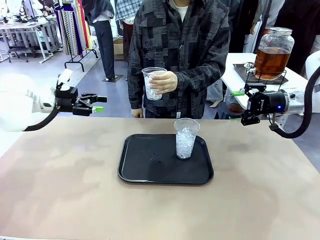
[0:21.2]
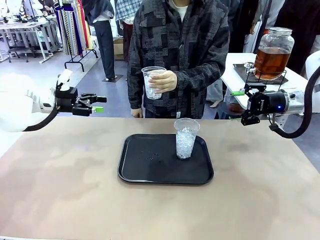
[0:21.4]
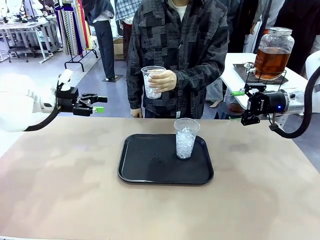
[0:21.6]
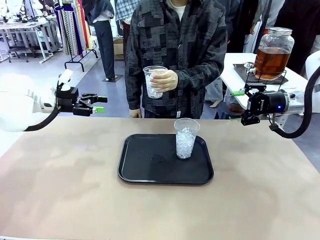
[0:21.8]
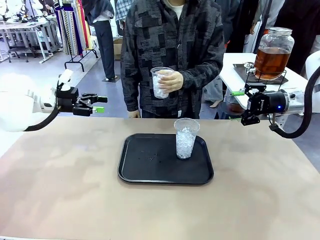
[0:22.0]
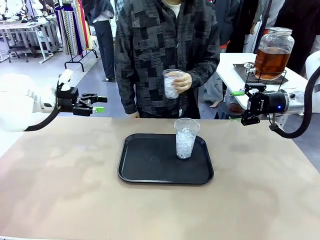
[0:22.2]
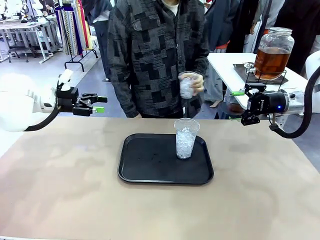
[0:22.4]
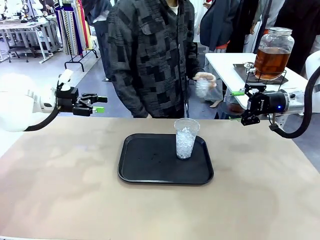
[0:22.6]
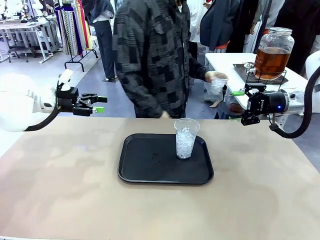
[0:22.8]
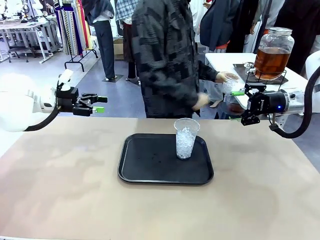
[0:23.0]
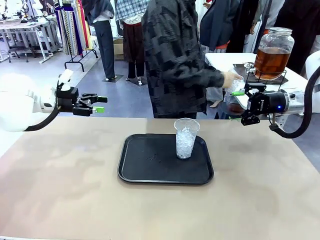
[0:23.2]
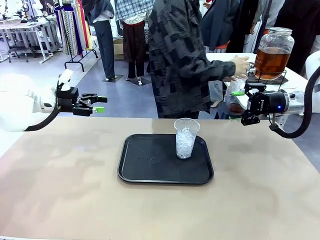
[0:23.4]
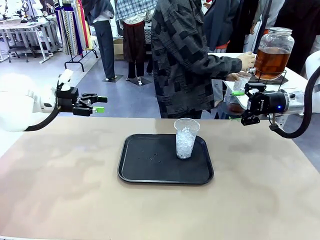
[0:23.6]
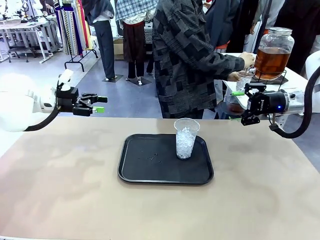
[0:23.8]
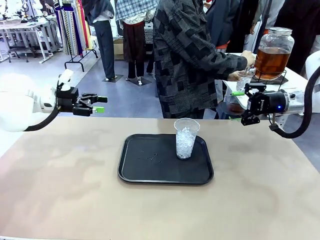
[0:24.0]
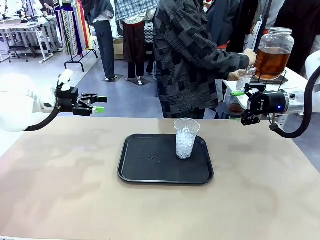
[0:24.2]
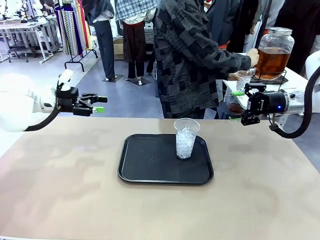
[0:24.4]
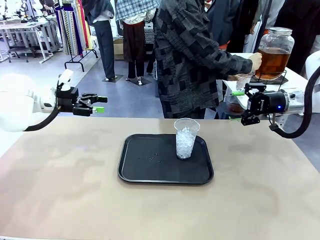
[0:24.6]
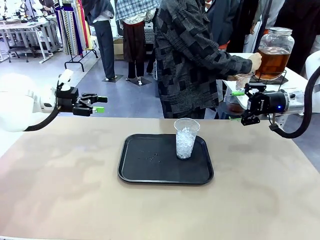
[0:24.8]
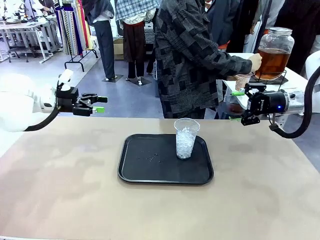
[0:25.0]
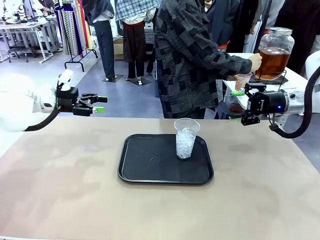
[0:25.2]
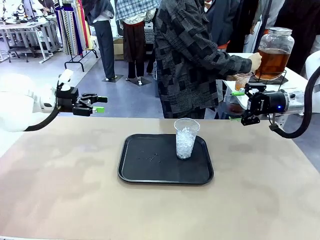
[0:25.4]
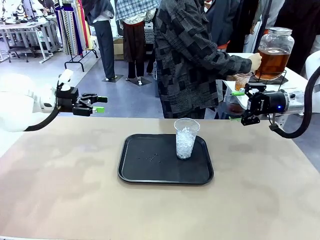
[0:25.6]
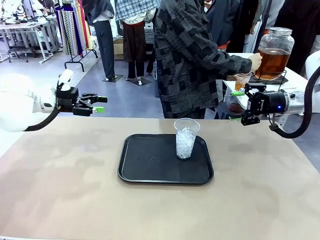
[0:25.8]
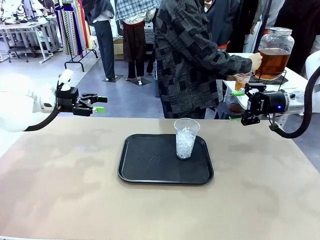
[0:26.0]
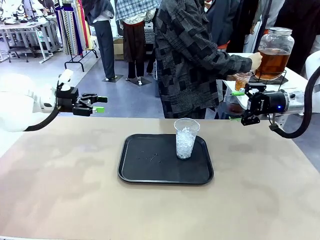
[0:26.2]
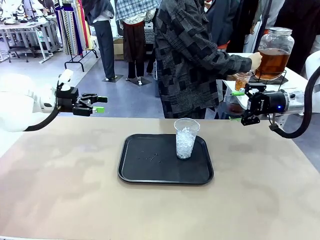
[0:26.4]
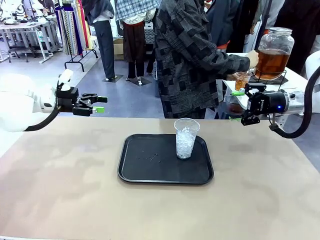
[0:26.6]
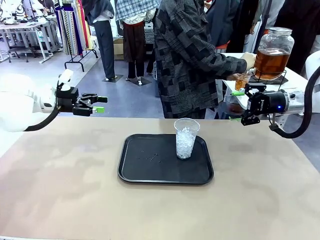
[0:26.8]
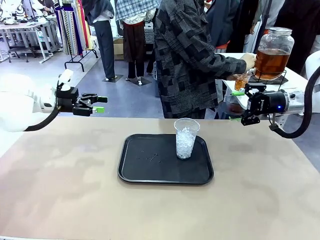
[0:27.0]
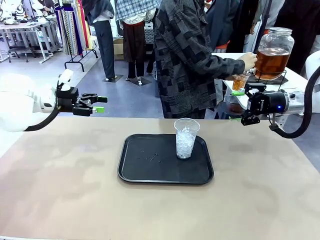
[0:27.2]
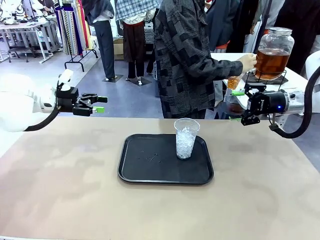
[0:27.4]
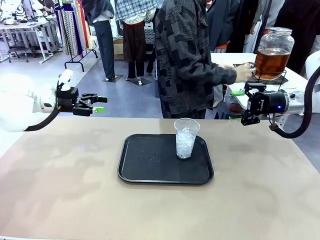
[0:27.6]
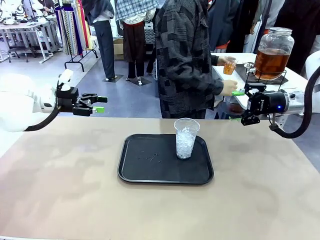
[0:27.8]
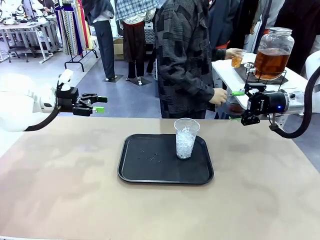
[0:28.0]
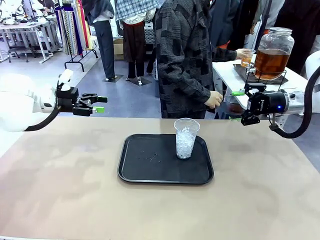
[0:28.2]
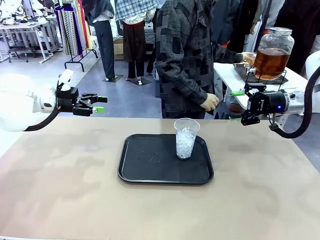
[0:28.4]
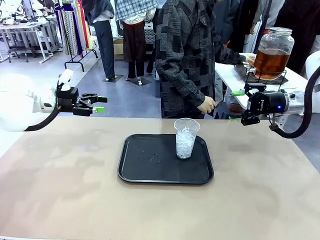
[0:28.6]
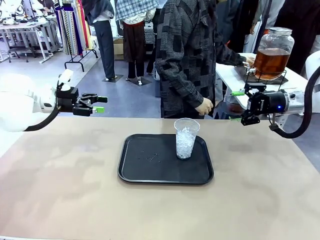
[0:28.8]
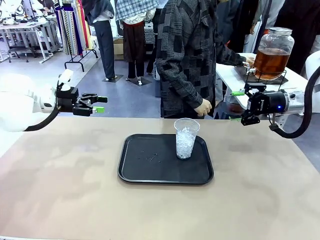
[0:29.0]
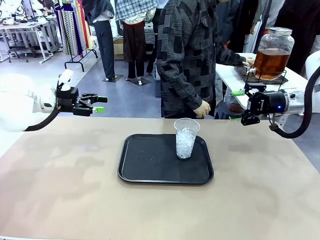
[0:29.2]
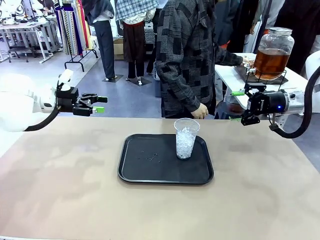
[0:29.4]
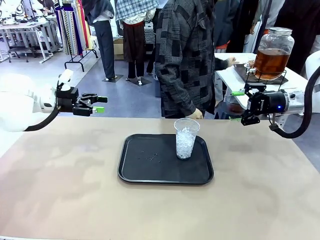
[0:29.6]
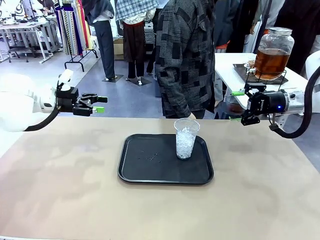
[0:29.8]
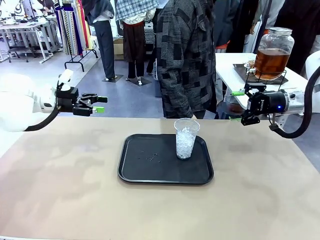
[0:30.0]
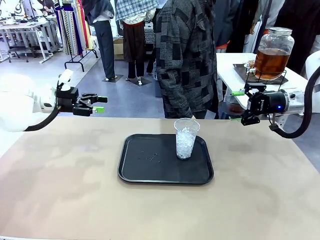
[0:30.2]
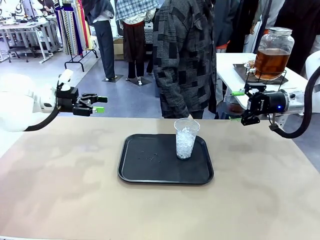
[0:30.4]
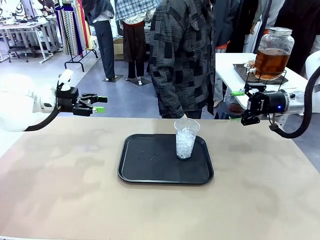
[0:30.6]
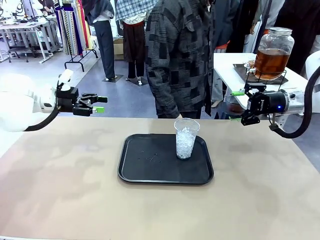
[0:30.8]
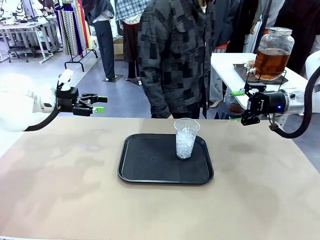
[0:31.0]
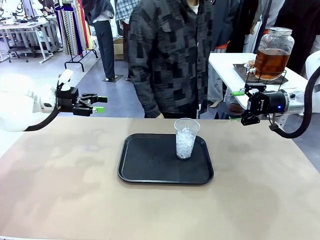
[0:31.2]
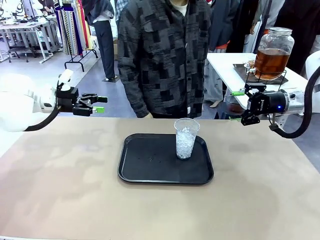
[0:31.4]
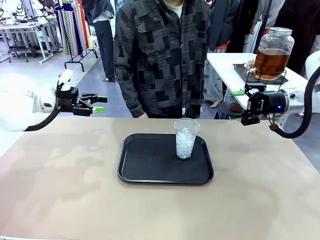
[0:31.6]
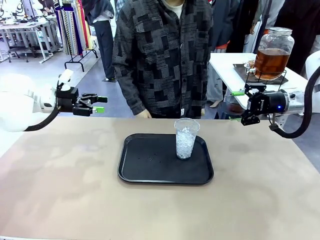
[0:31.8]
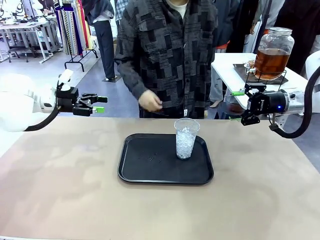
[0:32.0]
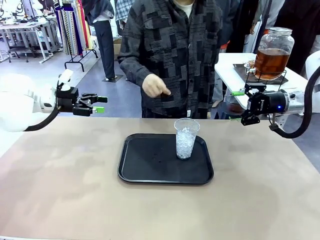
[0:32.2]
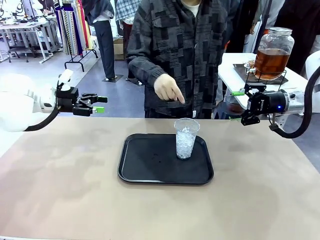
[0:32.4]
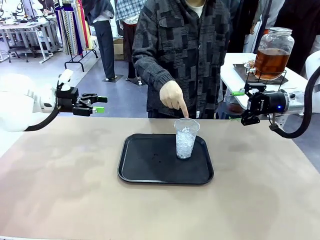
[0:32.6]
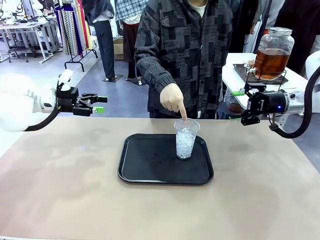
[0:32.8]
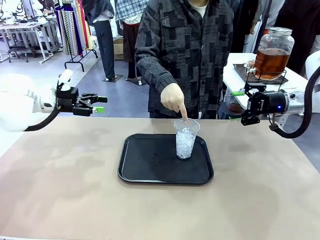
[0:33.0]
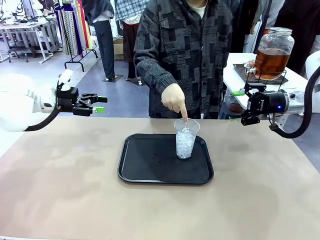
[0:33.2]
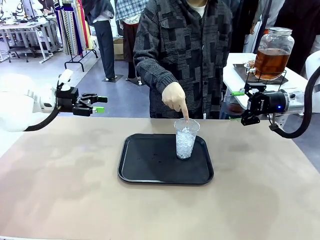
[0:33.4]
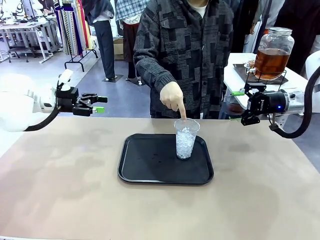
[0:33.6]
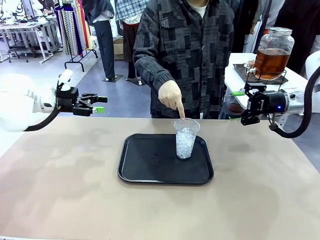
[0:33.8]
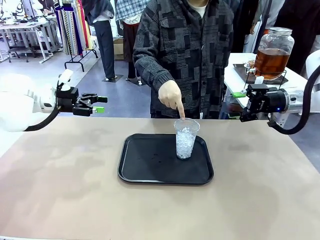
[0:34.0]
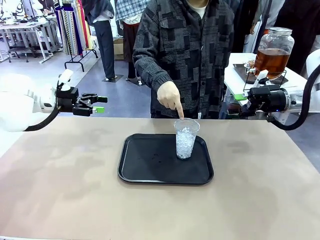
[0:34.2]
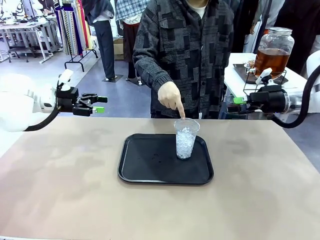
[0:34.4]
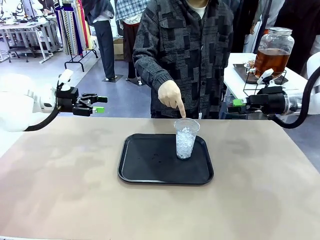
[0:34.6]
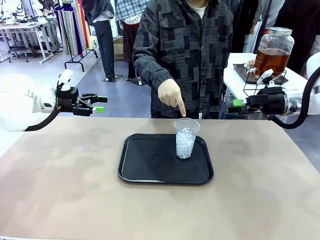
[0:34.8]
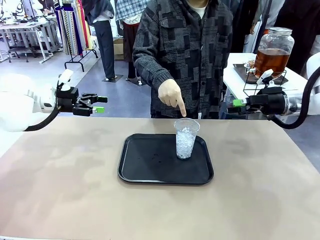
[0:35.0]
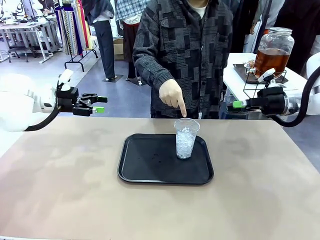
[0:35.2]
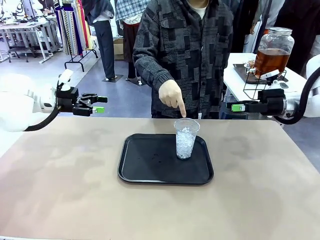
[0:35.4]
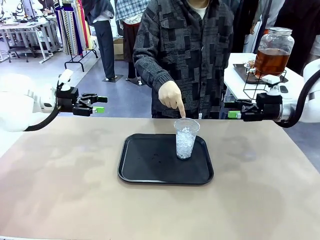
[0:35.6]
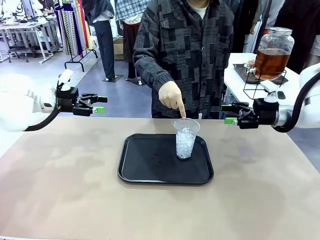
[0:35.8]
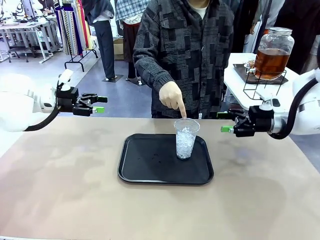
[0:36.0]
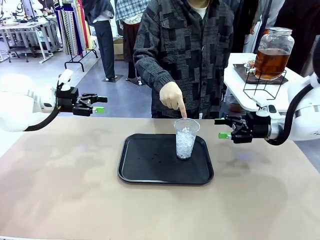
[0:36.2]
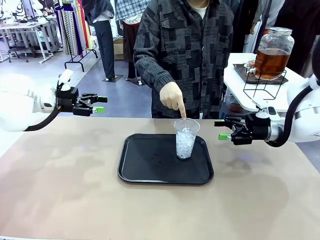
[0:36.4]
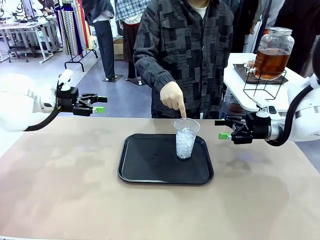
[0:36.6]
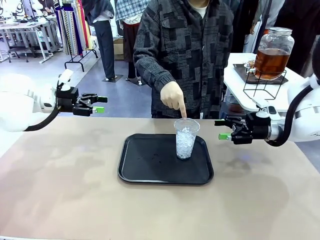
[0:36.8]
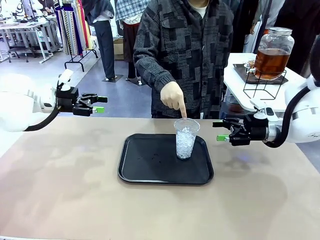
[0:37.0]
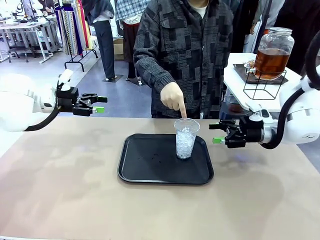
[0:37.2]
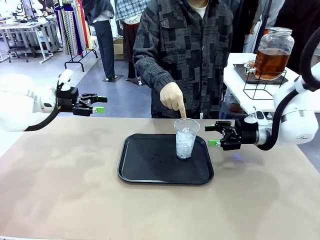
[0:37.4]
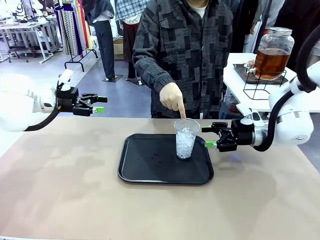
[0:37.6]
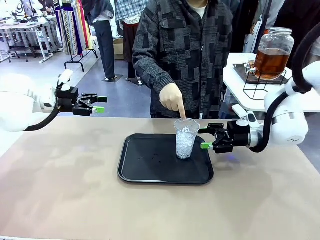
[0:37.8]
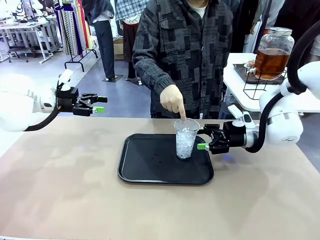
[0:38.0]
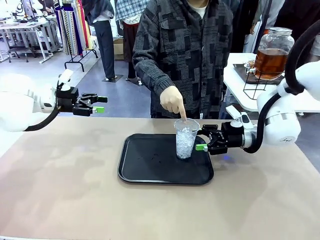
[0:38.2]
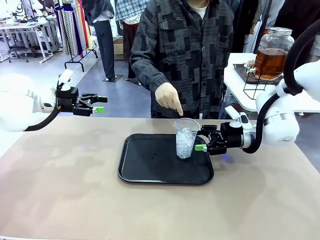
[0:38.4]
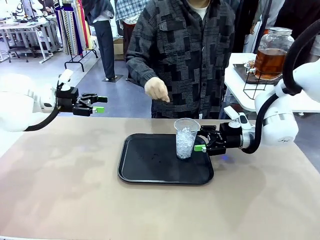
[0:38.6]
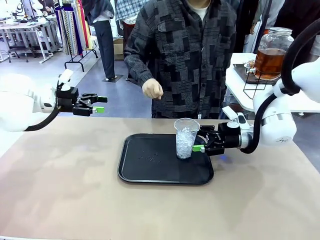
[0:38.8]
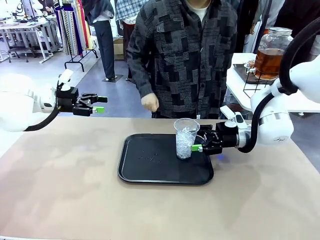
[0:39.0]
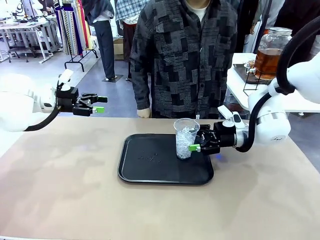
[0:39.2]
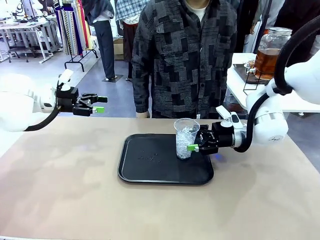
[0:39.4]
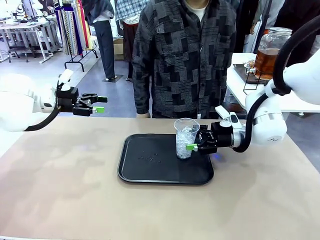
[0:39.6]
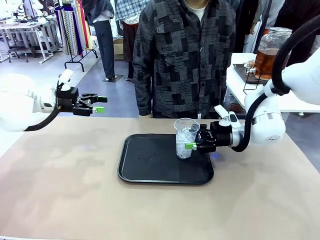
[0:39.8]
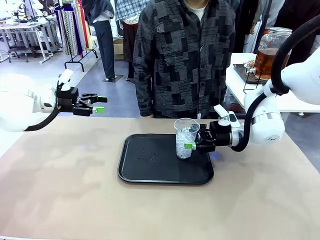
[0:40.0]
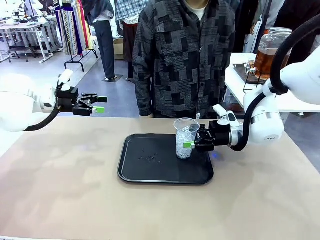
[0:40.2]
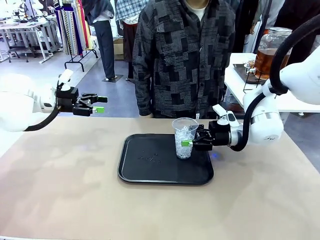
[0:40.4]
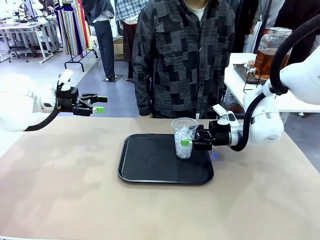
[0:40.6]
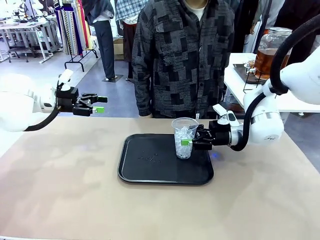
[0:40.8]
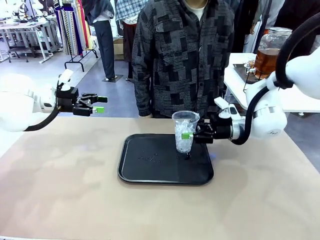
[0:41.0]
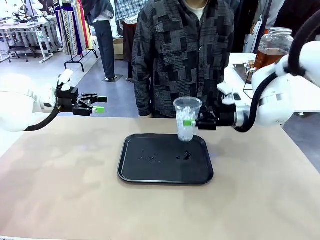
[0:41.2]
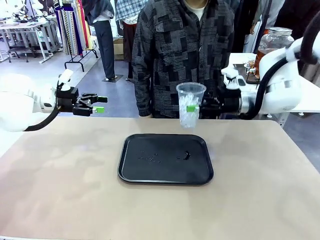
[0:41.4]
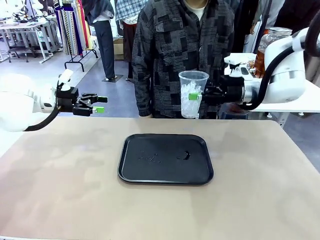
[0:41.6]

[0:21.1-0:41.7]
Task: Pour the drink into the iced cup.
Robot: Pick up the iced cup indicated by the human and present it to them.
Person: Move the picked-up cup under the dispenser faucet, pour the drink, and place it on the tray on the human table. Point to the remaining ice cup on the robot table. Pick up the cup offered by the robot.
